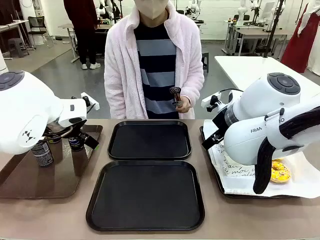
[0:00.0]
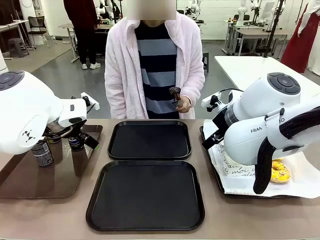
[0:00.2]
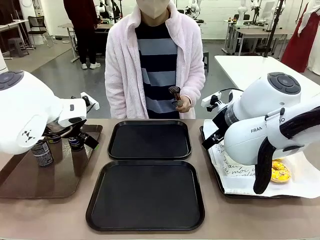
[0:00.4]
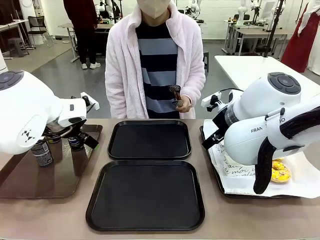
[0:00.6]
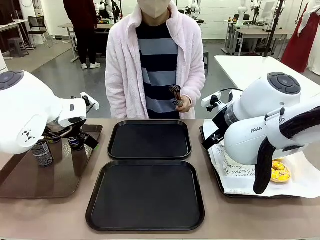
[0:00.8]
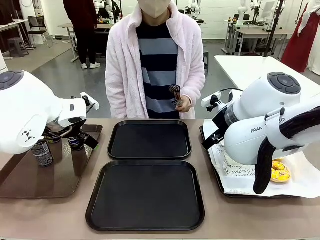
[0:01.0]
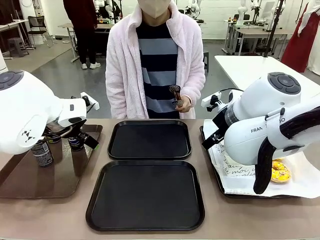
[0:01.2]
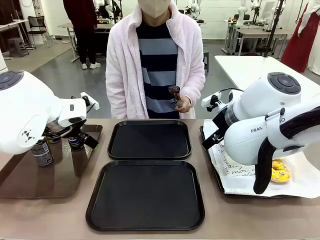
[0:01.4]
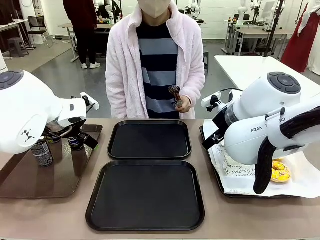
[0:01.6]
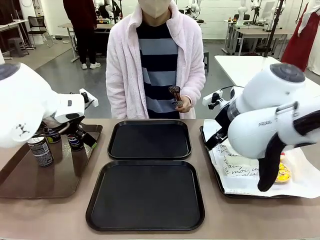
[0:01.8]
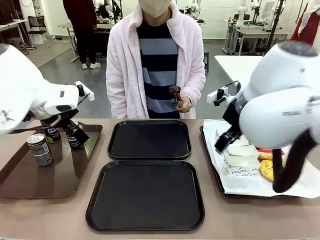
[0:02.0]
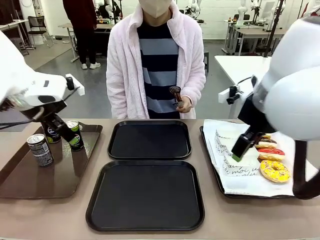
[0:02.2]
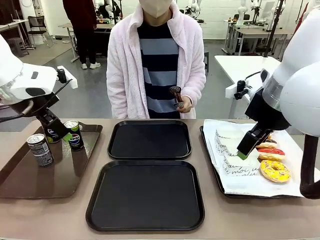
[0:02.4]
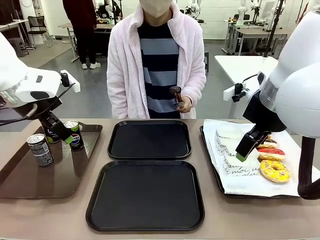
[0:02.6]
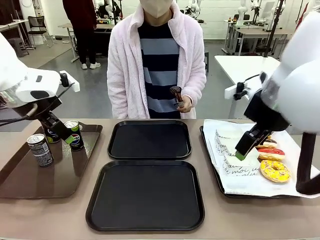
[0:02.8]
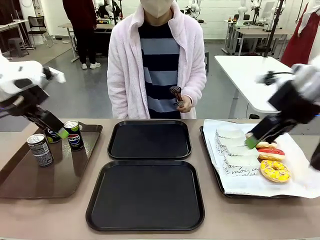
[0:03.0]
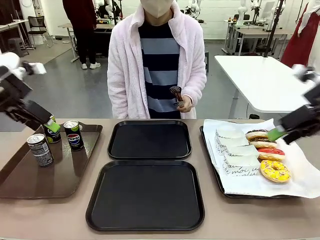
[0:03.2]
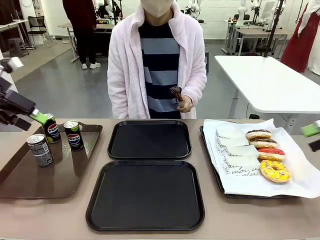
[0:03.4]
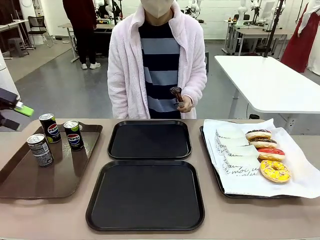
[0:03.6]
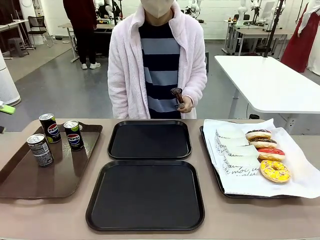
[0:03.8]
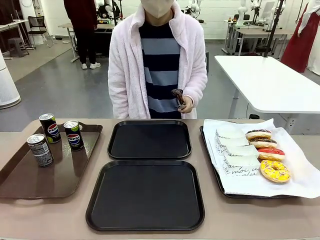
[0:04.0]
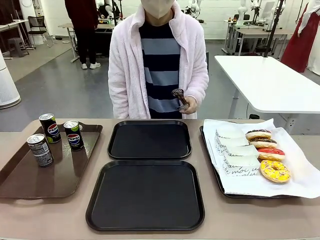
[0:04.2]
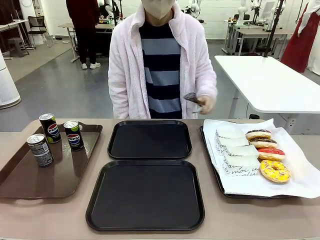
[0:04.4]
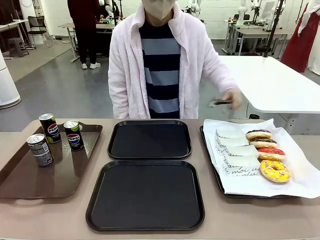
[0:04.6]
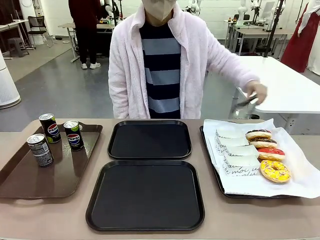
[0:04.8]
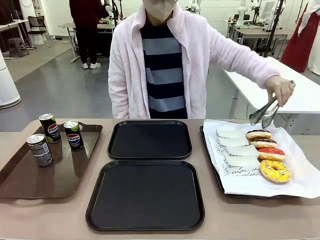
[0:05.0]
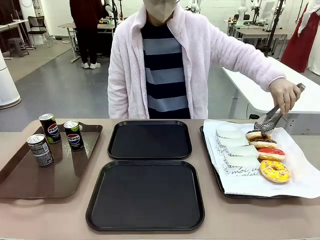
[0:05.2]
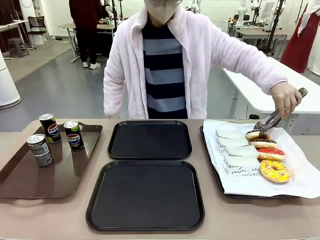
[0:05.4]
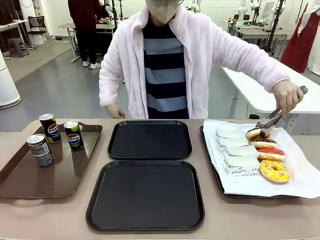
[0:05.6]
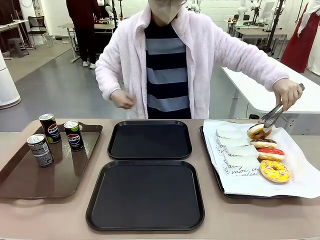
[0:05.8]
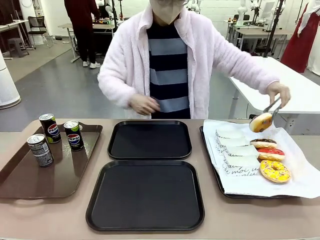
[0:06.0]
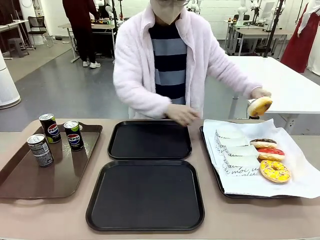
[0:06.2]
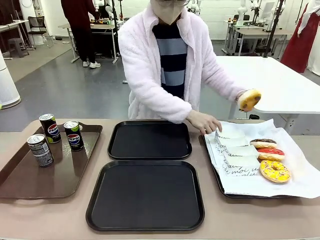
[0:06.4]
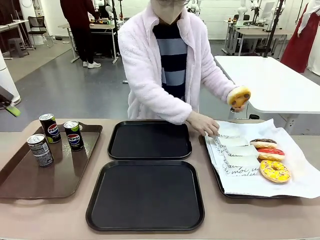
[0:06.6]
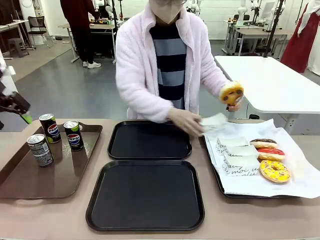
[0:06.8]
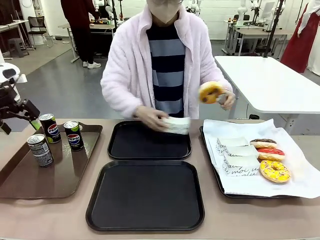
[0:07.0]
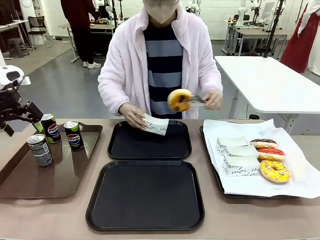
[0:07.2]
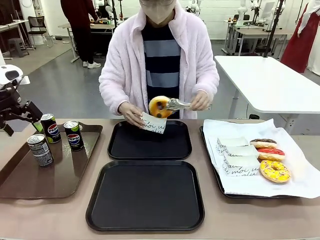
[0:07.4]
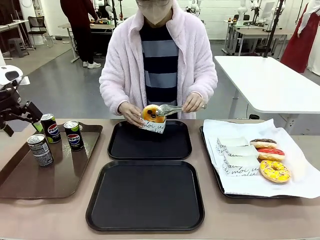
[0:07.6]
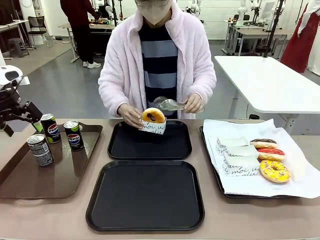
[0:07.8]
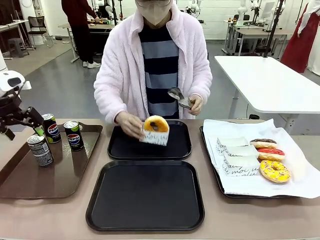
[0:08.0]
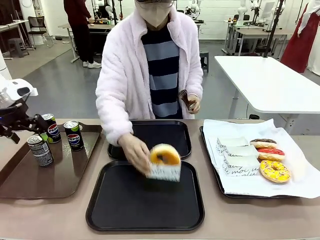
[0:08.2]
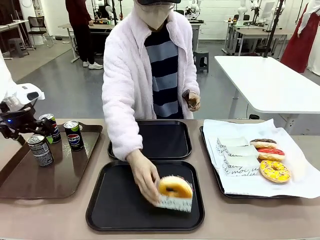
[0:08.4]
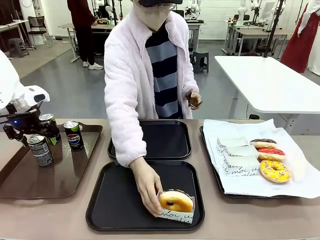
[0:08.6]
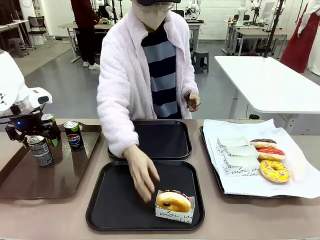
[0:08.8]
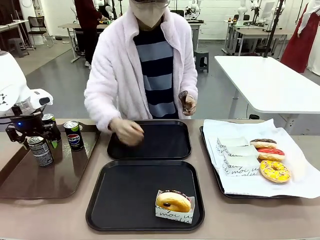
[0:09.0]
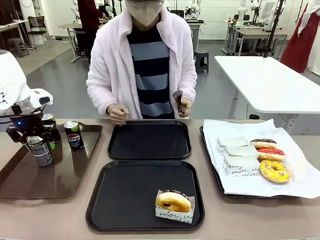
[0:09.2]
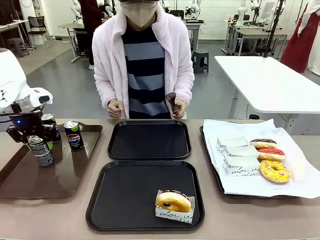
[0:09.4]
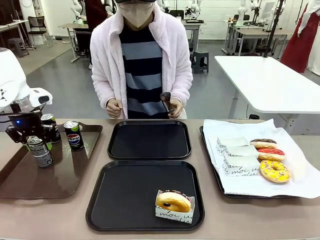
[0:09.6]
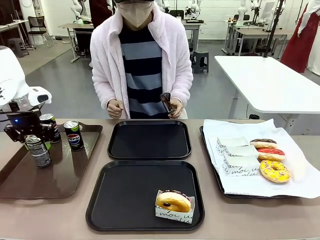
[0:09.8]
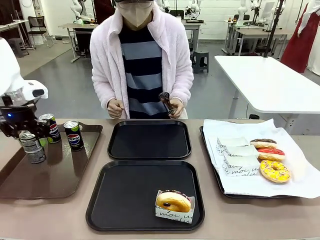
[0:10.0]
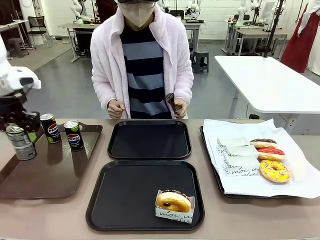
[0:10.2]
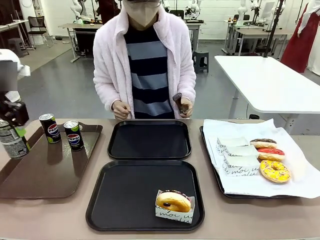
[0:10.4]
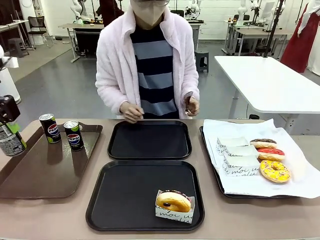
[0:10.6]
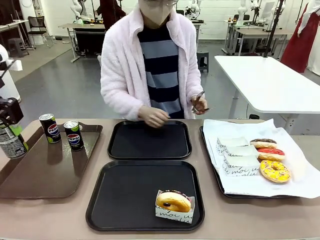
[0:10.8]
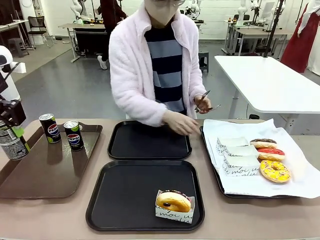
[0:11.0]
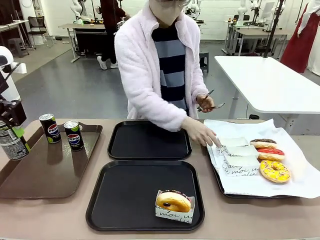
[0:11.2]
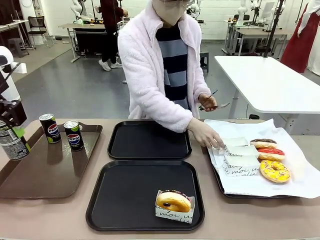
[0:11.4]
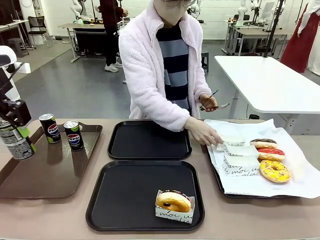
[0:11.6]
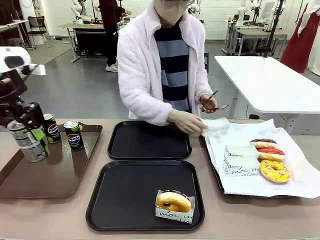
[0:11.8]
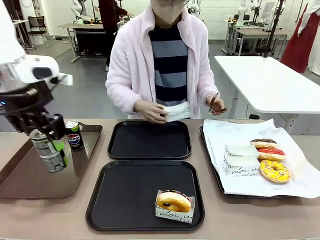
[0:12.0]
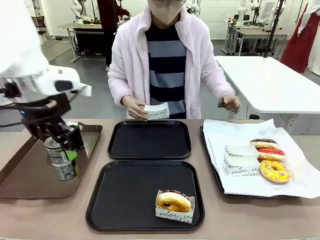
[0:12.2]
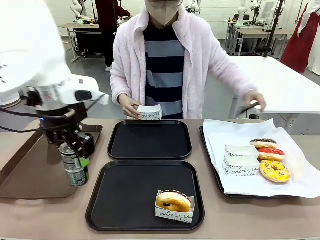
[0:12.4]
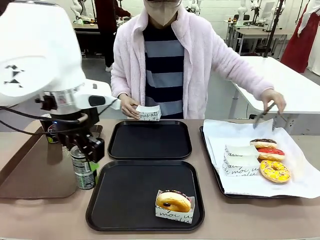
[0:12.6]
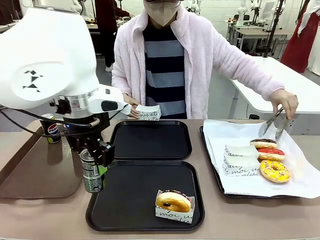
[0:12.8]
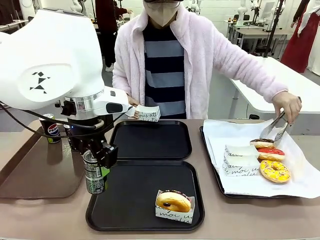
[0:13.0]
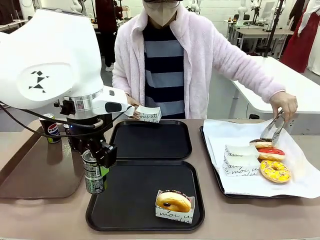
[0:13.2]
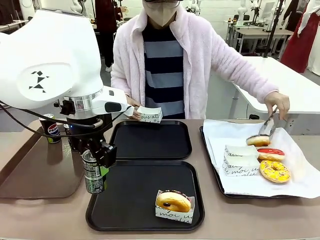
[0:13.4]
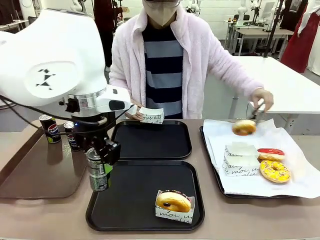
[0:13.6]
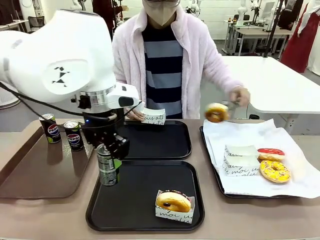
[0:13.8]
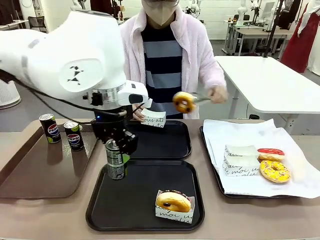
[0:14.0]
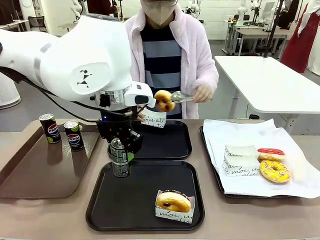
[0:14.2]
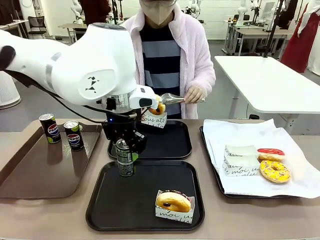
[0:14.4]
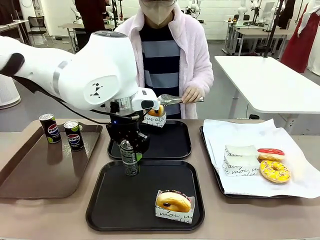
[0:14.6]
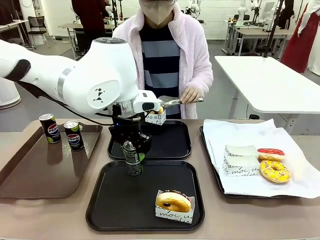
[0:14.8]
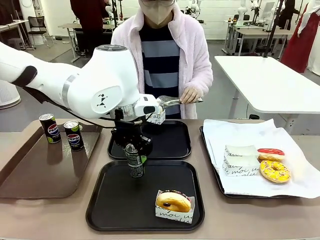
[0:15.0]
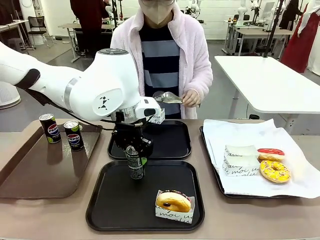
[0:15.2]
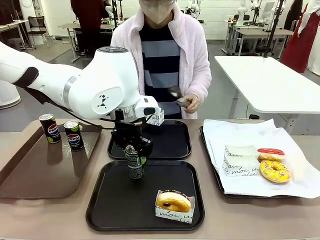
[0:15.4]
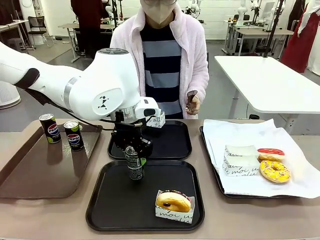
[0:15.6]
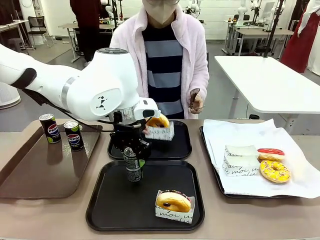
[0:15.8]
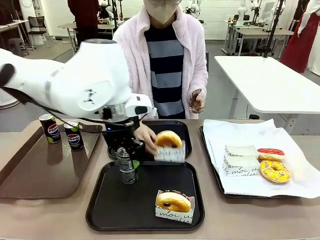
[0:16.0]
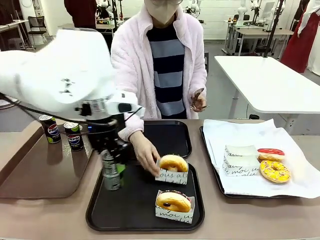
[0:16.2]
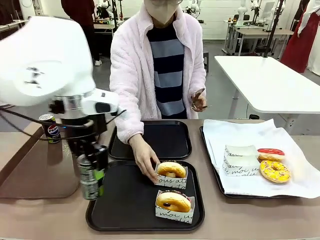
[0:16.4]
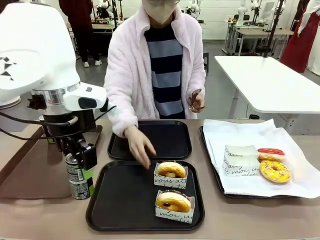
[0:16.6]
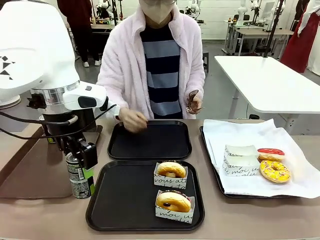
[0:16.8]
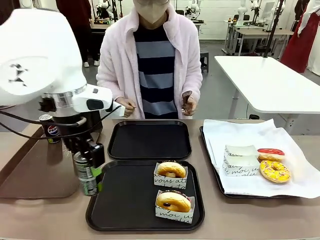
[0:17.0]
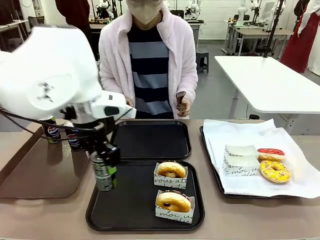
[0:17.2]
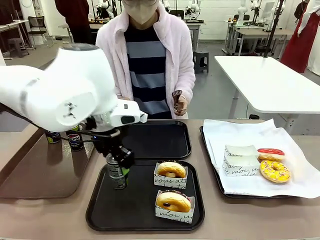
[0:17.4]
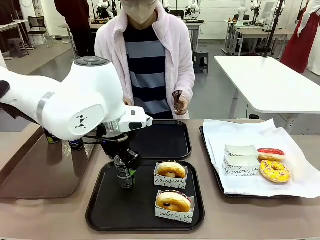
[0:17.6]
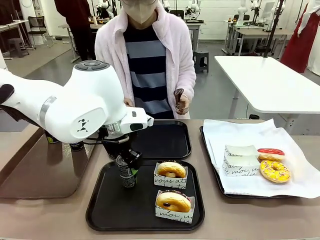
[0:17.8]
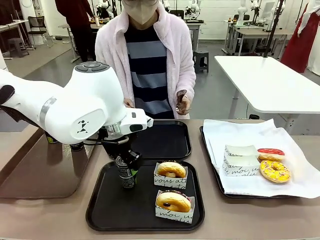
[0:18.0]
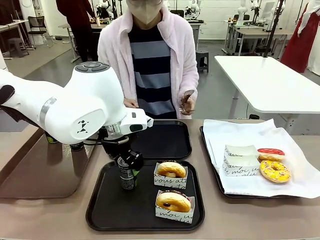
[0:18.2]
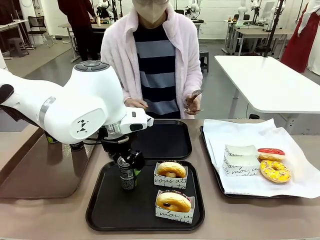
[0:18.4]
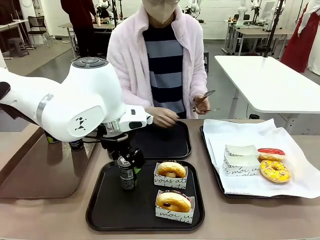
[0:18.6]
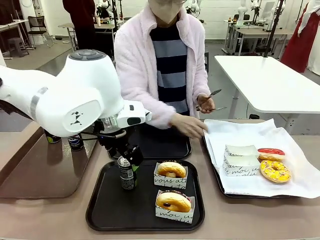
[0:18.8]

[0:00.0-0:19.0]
Task: Set up donuts and drinks on trays.
Robot: Pick up one Pepsi coke and place it on the Flat Tray.
